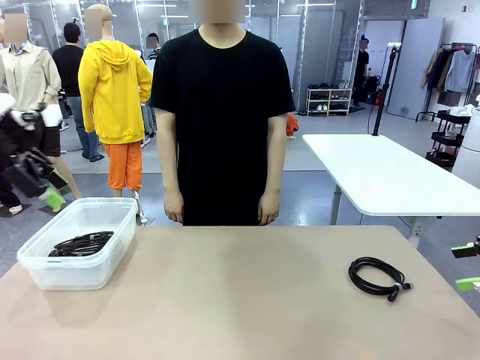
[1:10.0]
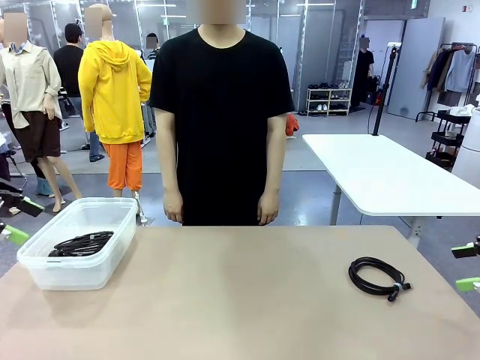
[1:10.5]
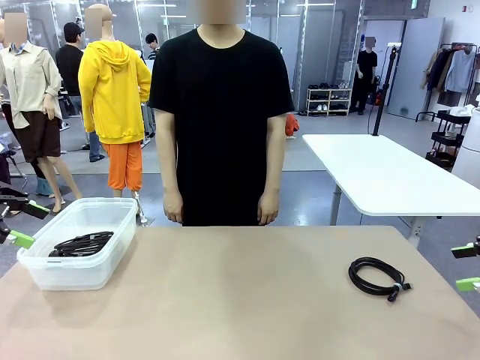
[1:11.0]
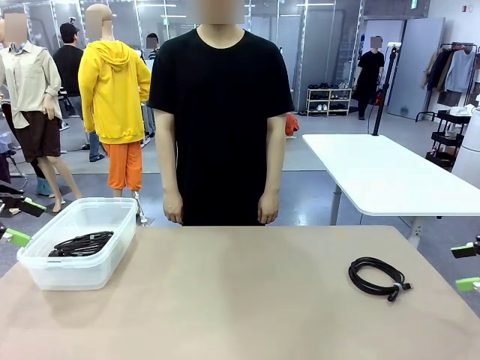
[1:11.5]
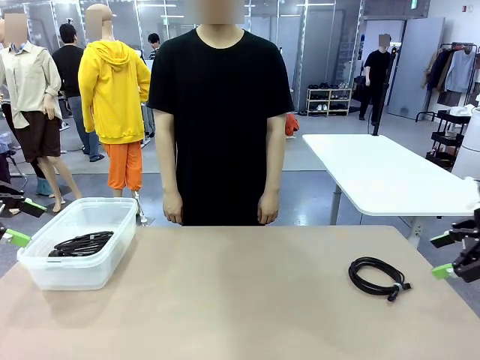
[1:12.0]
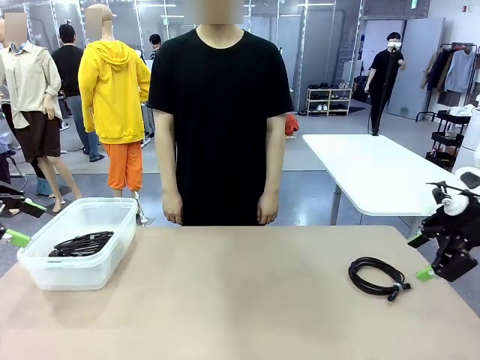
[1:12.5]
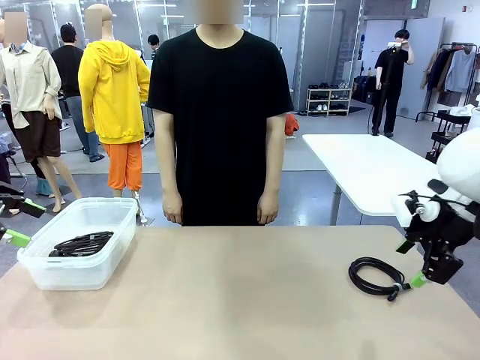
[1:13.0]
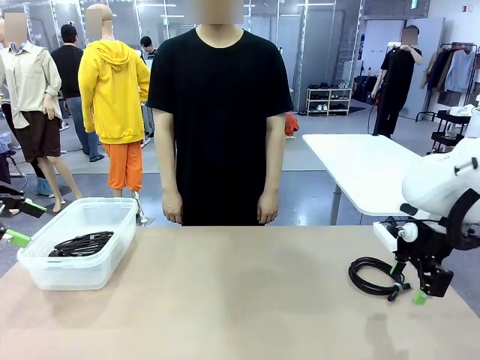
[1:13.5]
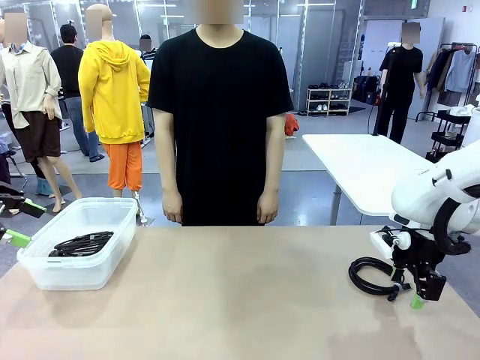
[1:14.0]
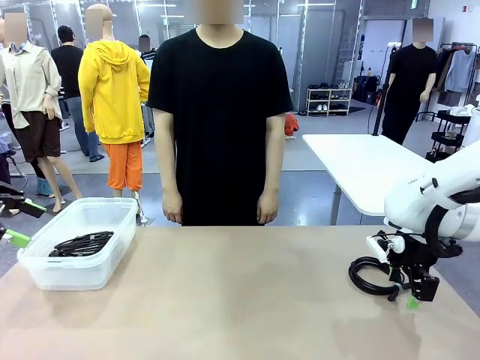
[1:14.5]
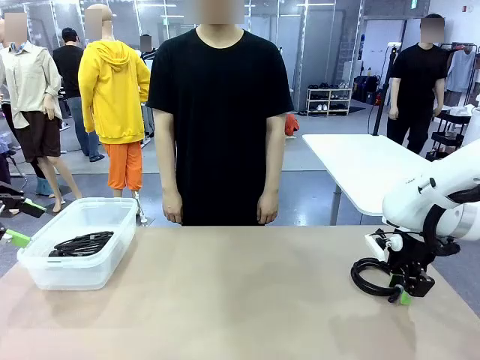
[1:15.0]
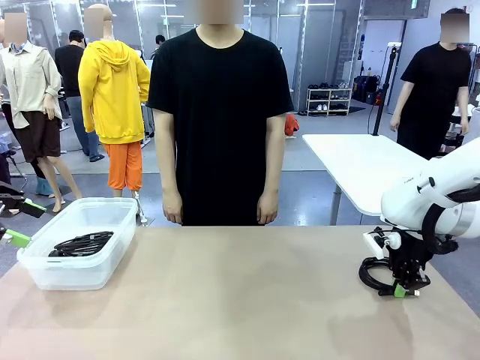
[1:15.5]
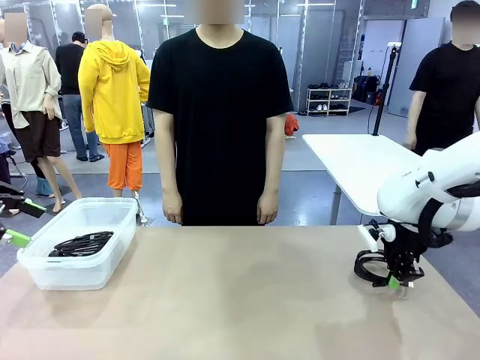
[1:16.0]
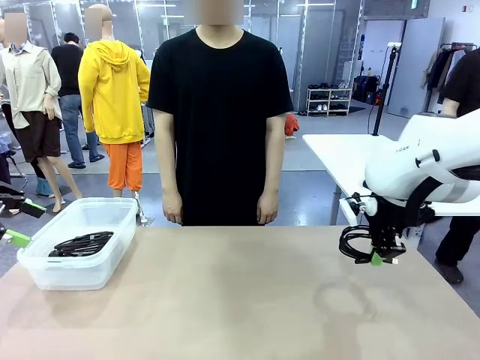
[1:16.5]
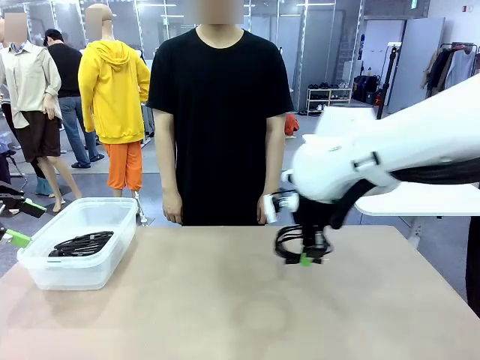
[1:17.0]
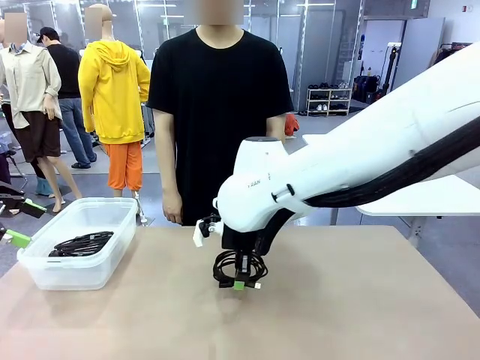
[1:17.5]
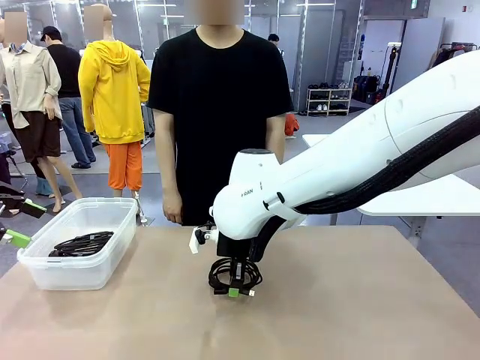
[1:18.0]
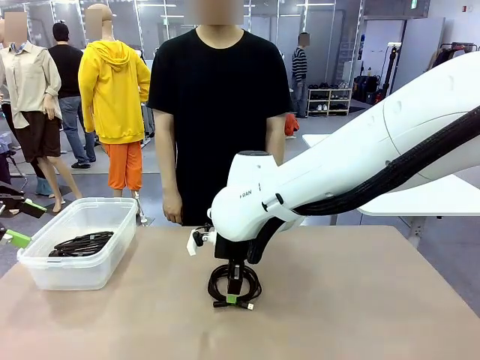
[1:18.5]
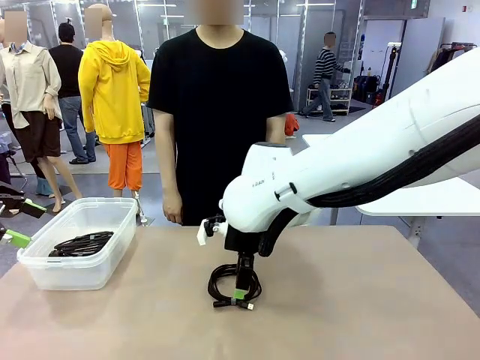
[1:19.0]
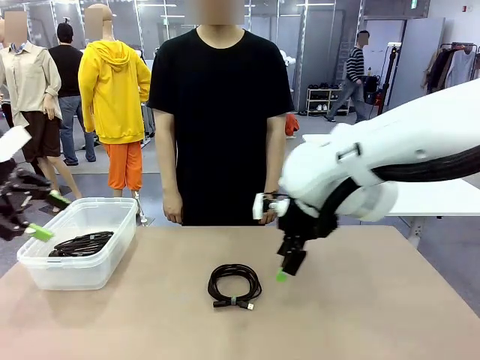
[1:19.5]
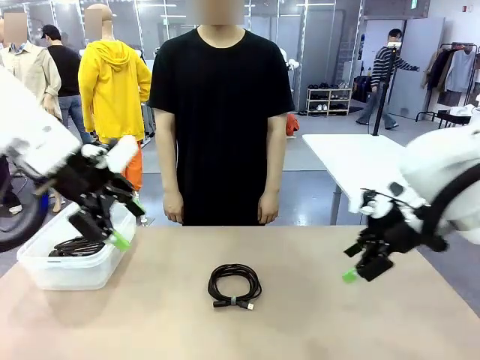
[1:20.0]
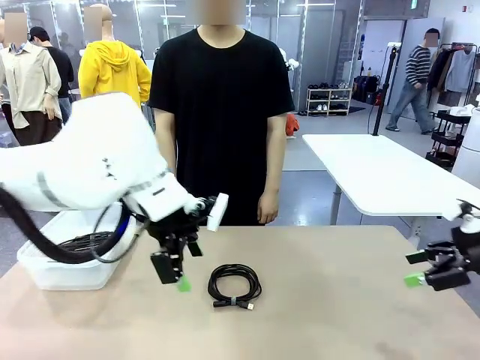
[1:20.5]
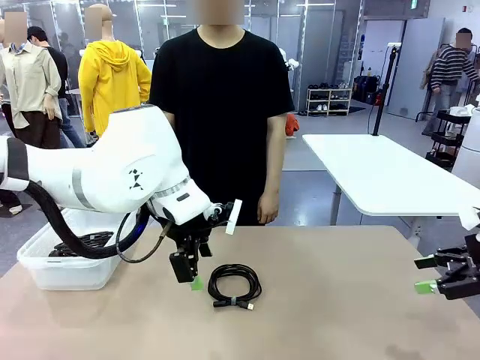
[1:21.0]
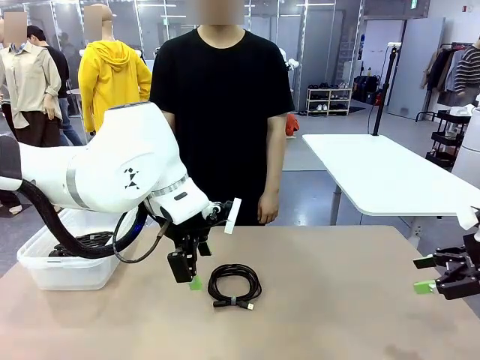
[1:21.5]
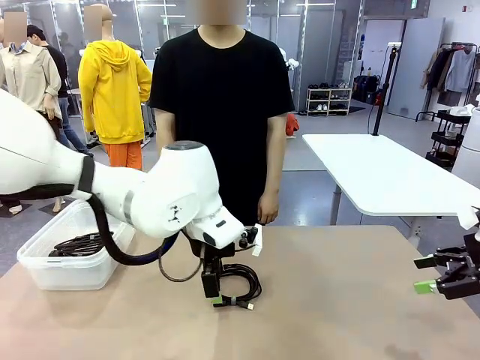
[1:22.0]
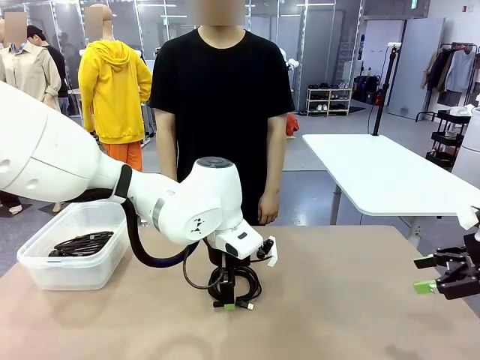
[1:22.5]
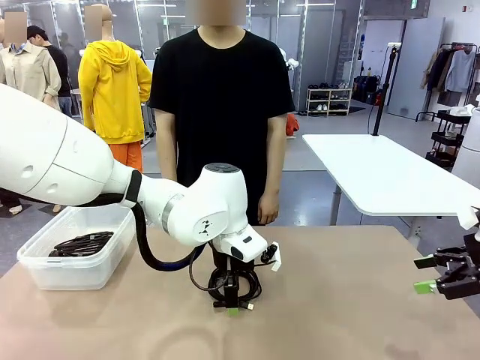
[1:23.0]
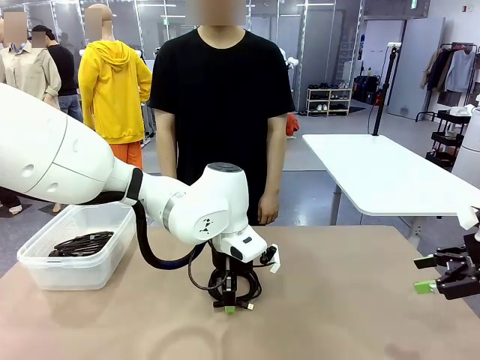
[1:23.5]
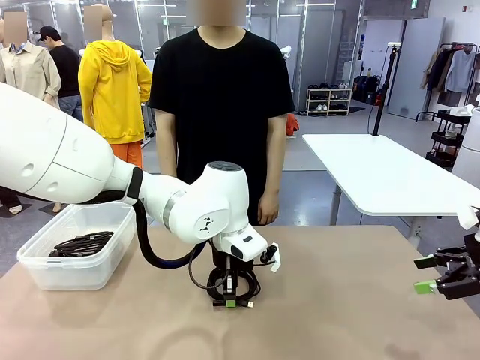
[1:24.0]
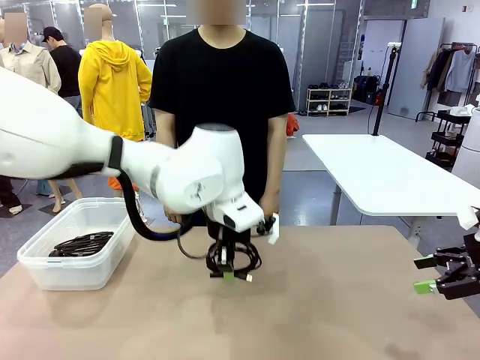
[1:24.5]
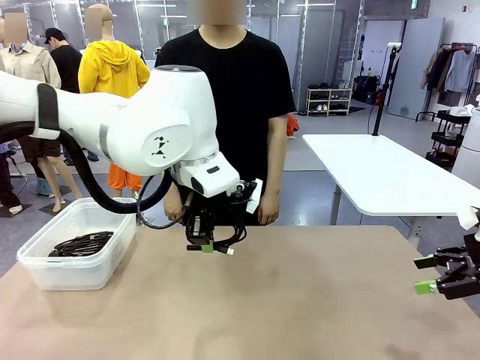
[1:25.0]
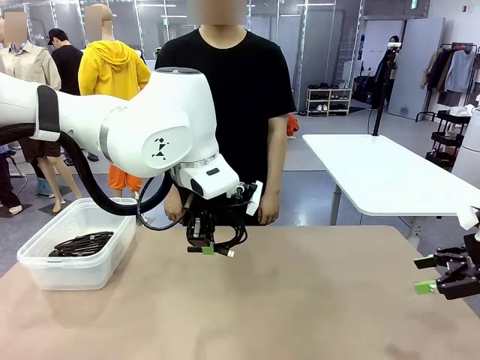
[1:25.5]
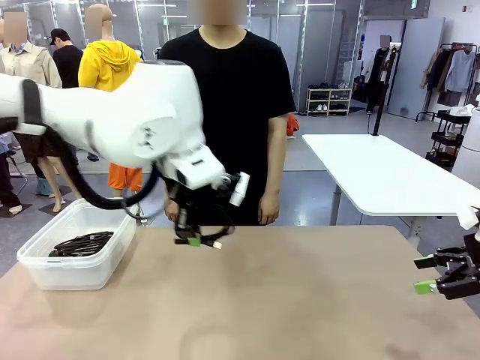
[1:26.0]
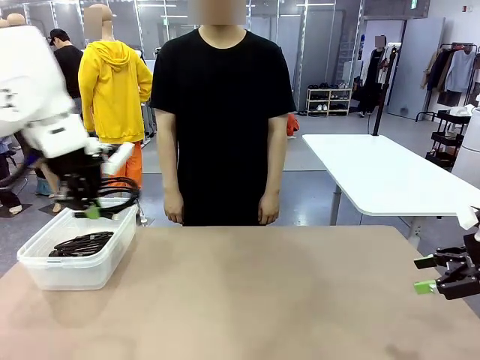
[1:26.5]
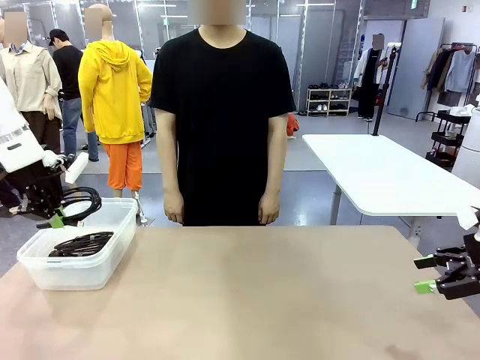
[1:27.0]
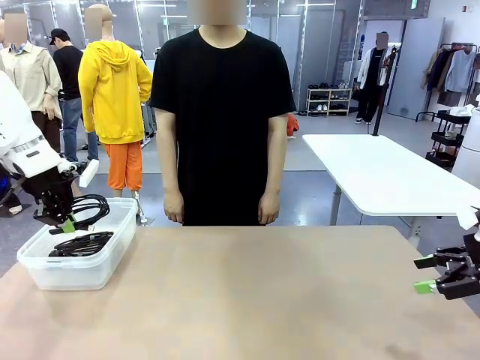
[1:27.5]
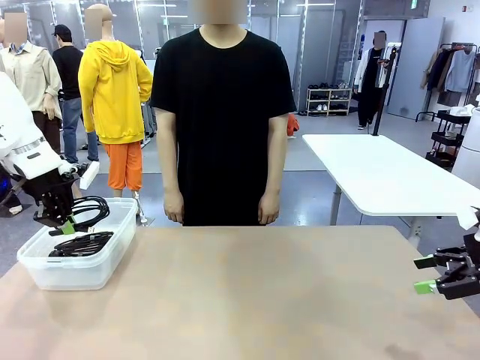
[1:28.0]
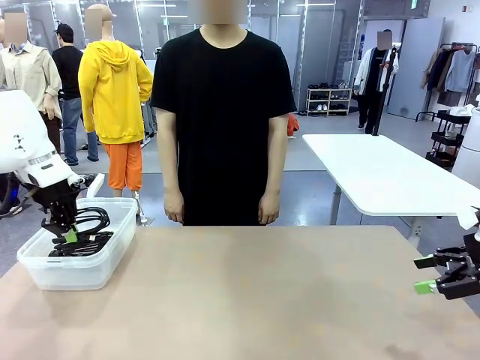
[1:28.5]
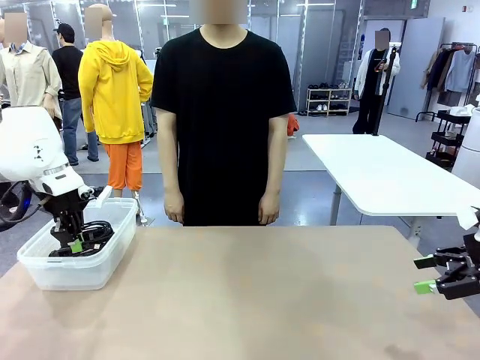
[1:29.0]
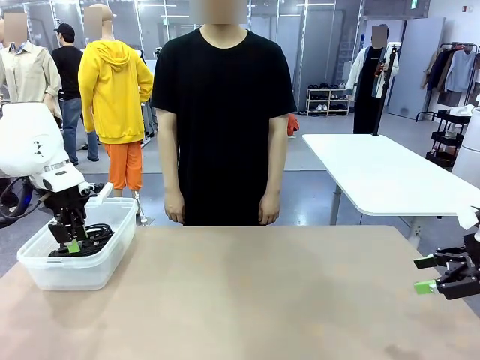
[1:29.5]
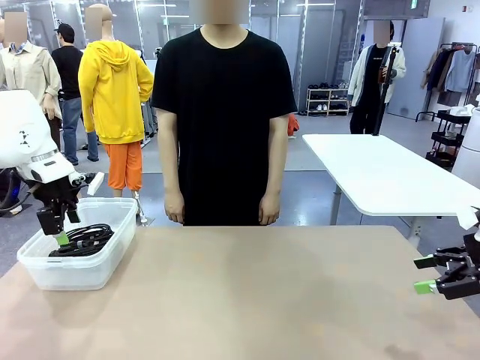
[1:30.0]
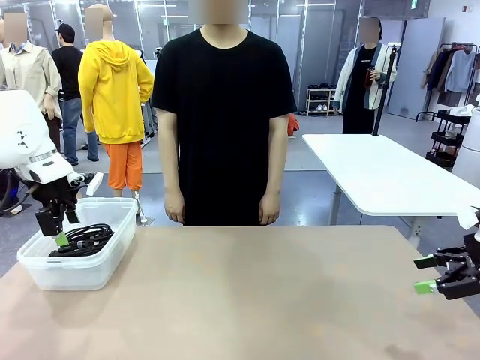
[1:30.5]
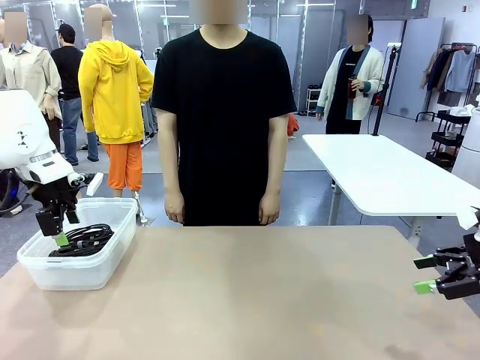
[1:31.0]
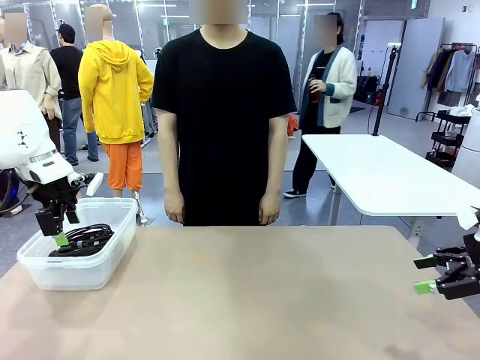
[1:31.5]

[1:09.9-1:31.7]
Task: Organize and store the cables.
Robot: Place the USB Extension Cable into the Organizing box.
